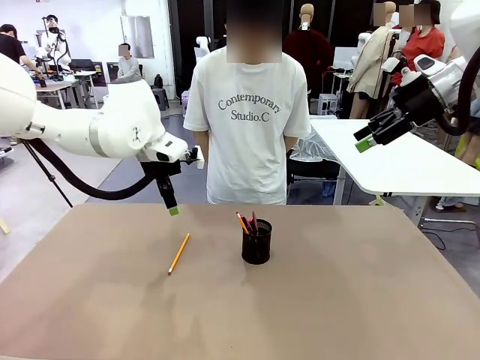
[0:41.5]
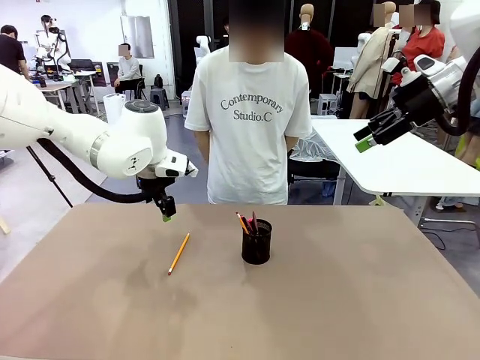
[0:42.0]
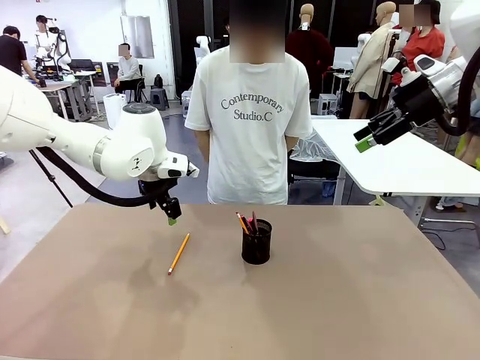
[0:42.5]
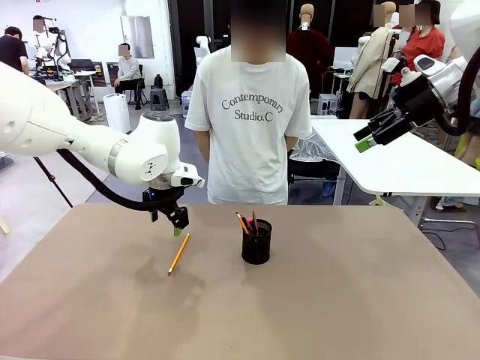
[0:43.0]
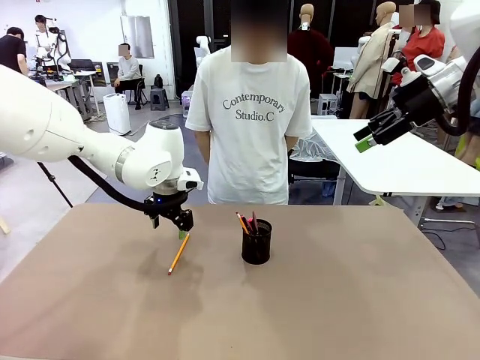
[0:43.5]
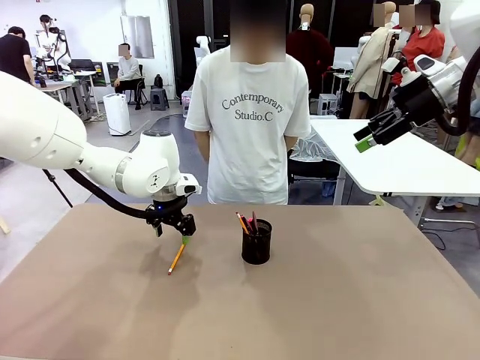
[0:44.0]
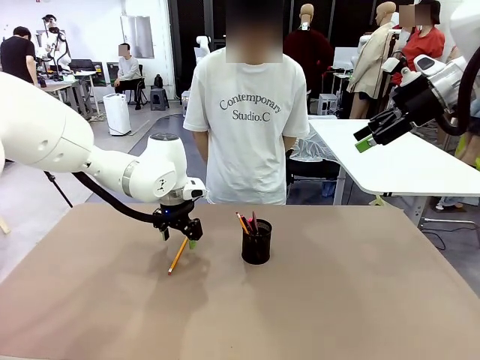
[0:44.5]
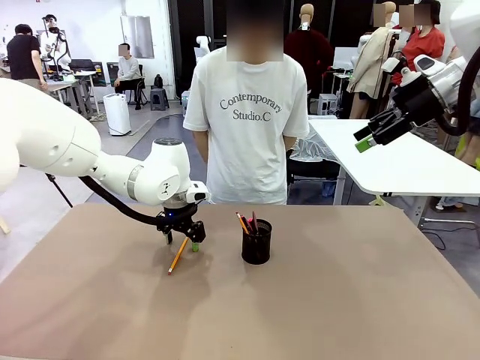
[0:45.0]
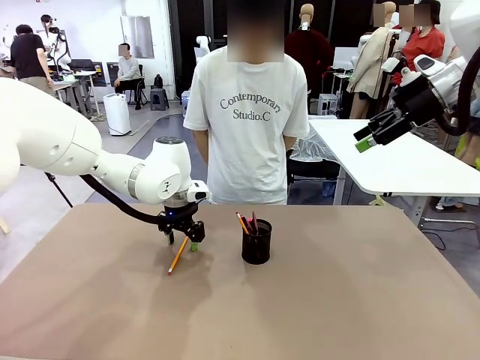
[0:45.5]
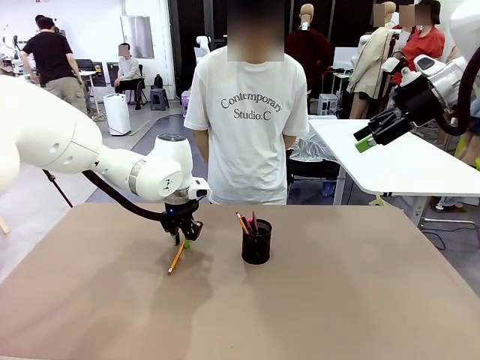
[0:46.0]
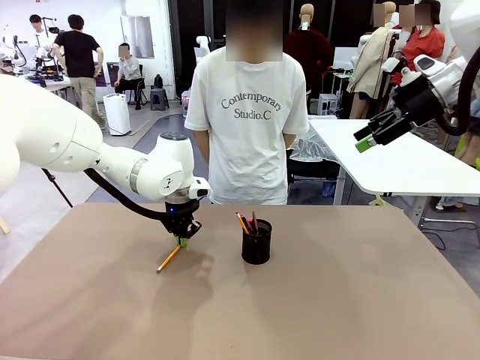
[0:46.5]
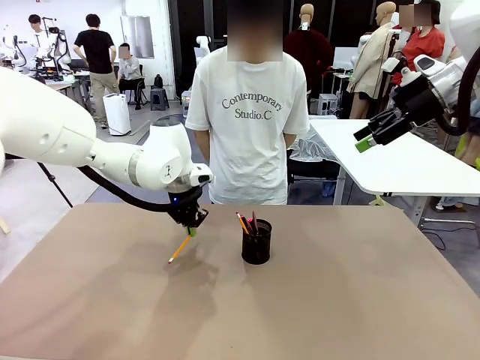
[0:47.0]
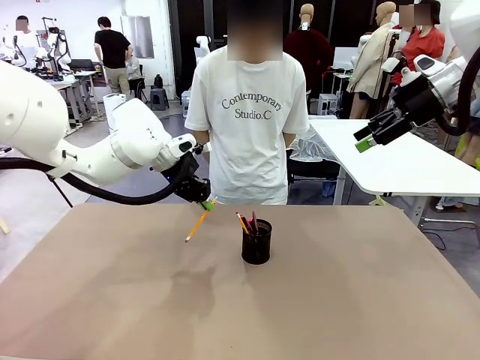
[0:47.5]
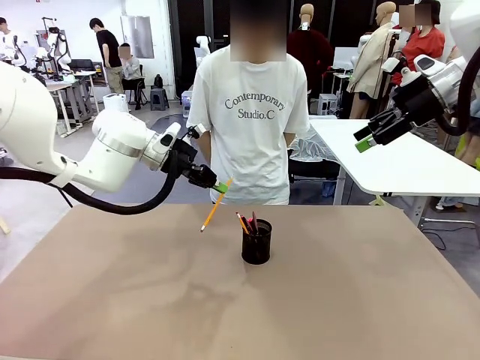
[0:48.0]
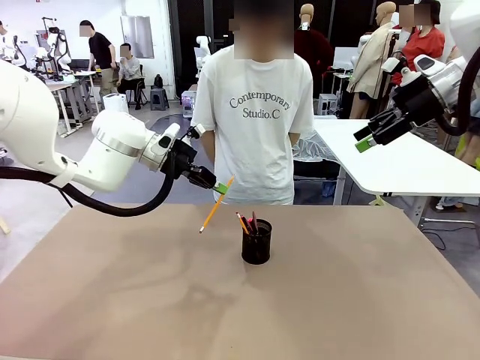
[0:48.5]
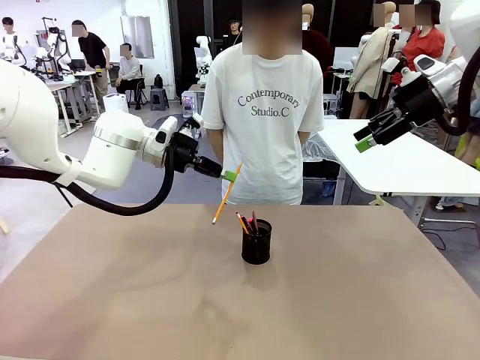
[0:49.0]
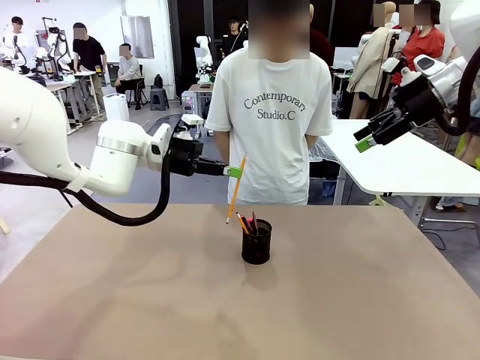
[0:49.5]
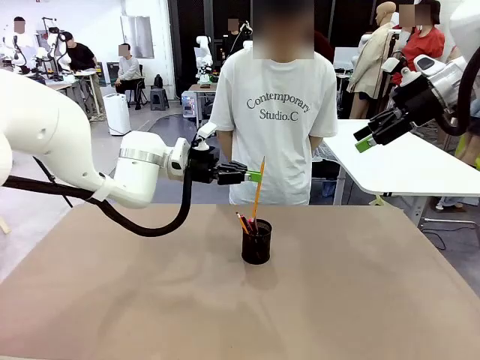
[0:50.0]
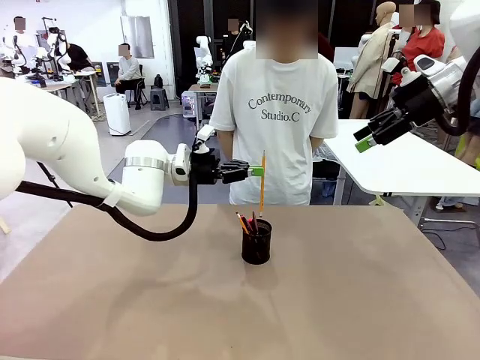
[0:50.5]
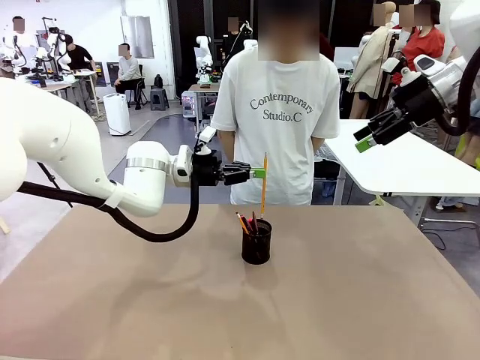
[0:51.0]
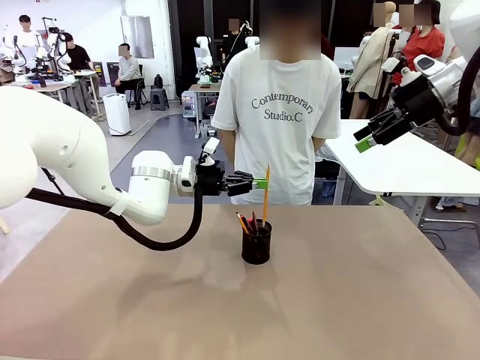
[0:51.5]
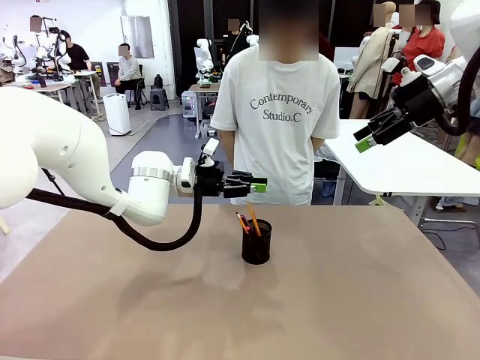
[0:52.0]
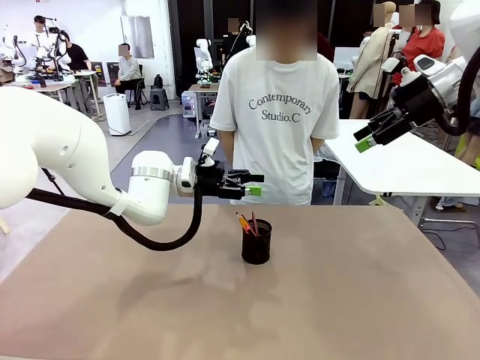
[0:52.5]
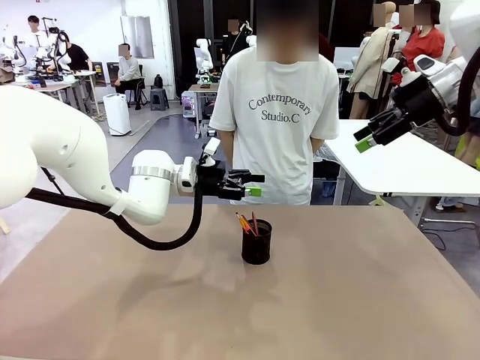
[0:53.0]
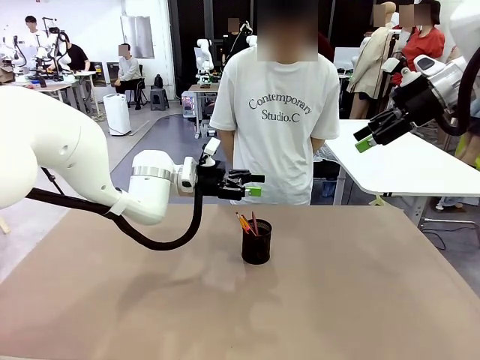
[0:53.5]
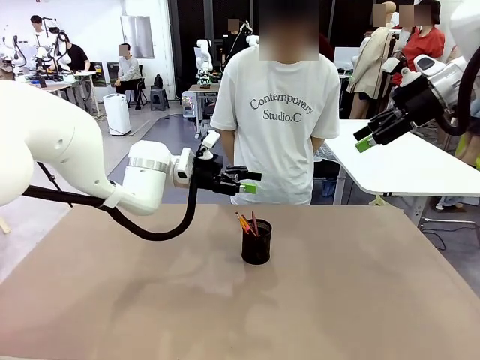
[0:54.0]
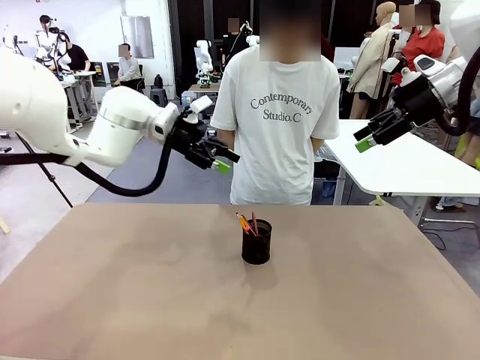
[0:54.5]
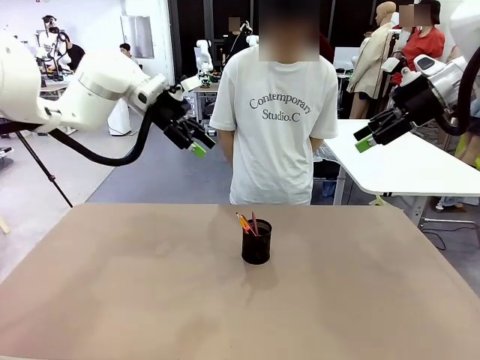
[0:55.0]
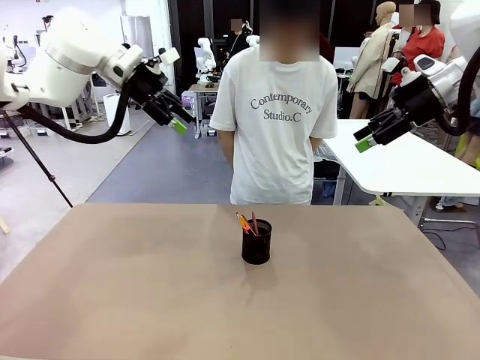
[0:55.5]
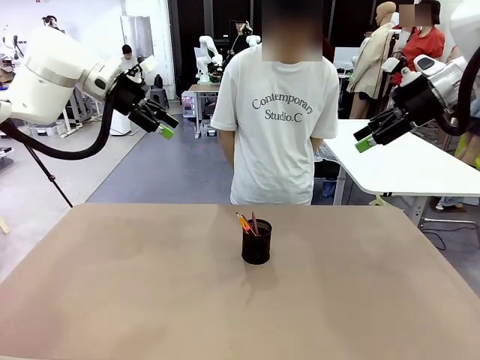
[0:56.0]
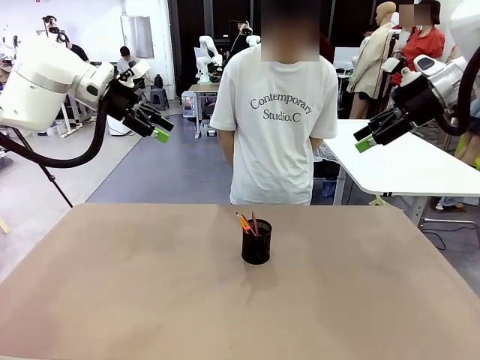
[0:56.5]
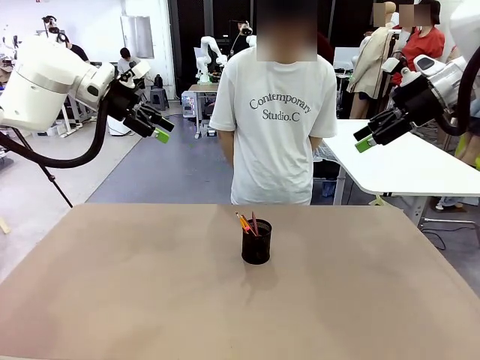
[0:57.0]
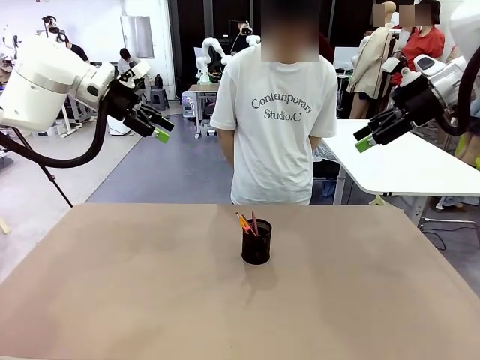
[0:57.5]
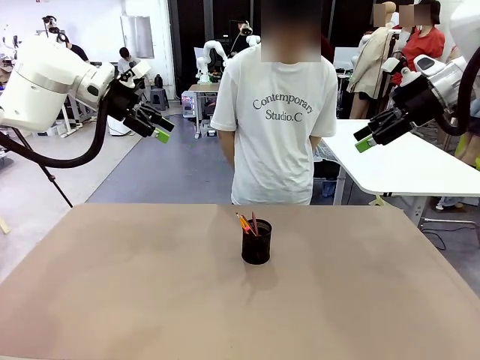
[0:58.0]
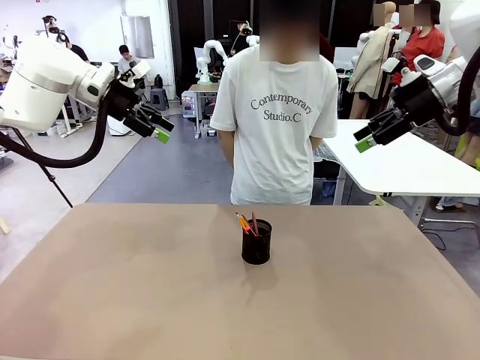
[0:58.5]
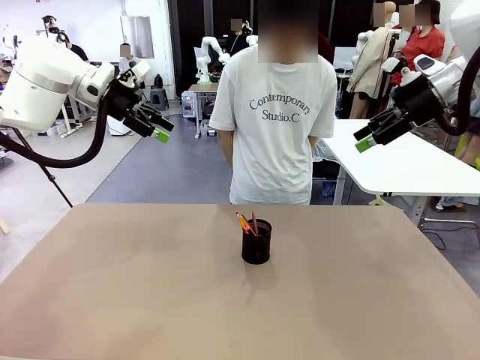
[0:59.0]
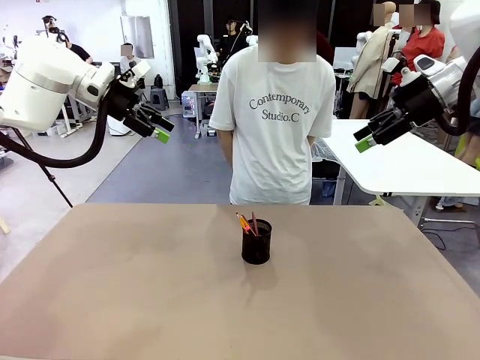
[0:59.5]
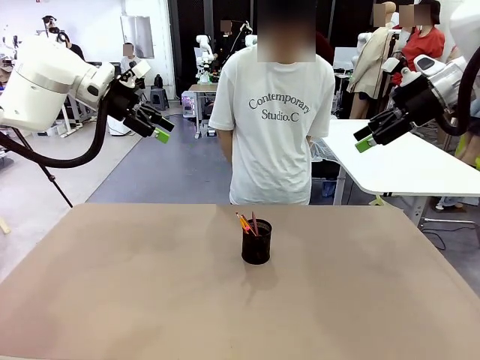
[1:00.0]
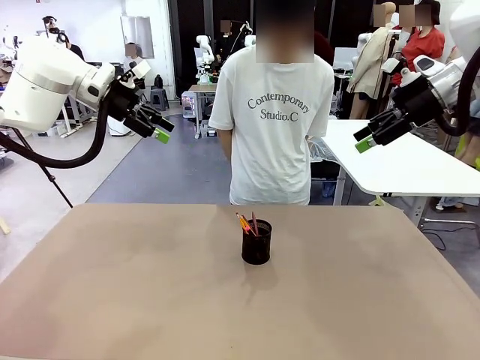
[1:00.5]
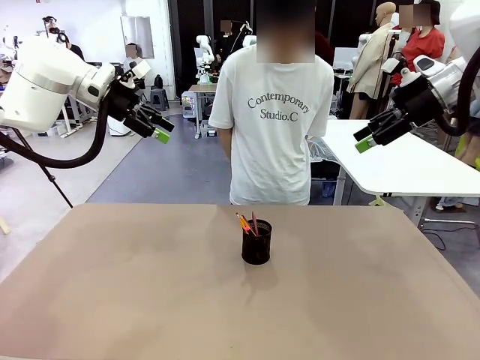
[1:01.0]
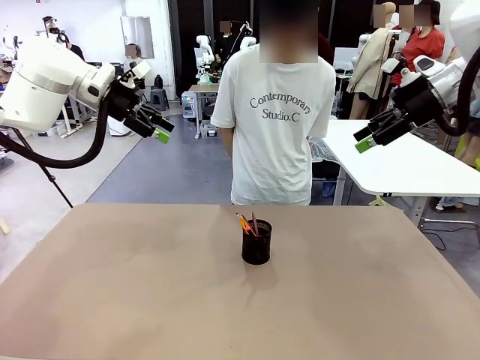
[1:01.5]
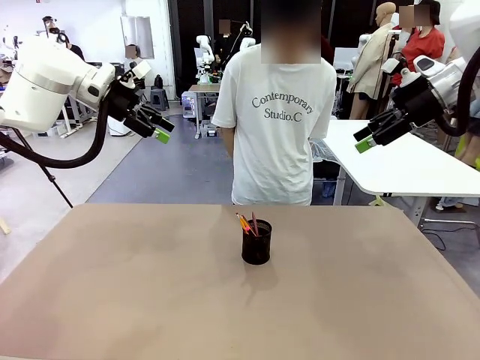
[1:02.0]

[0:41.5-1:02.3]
Task: Place the pens into the pen holder.
Robot: Pick up a writing instrument from the table and place it into the Pen holder.
